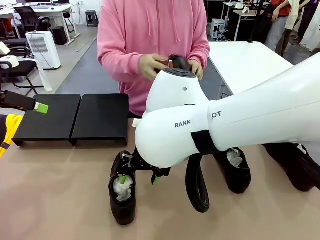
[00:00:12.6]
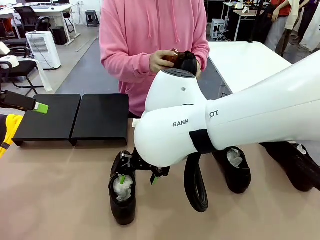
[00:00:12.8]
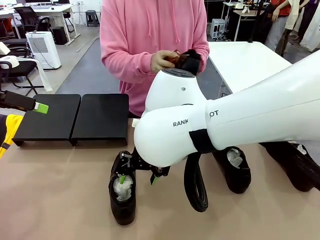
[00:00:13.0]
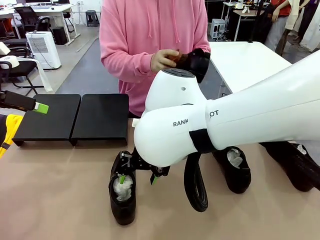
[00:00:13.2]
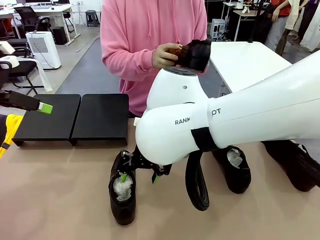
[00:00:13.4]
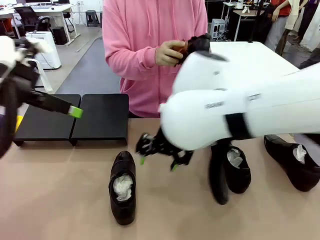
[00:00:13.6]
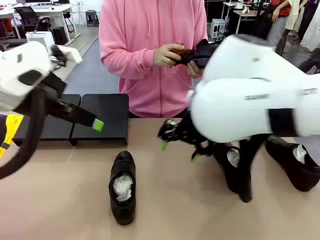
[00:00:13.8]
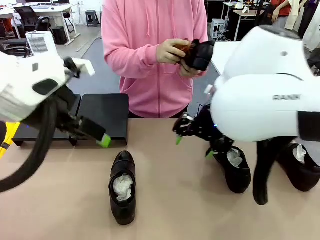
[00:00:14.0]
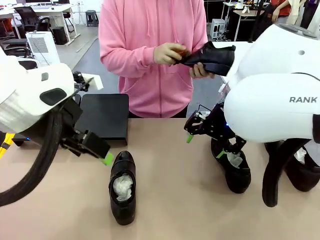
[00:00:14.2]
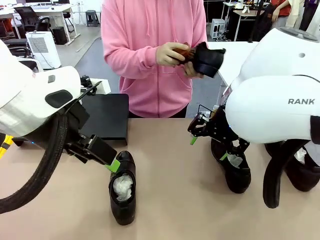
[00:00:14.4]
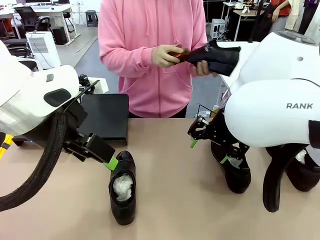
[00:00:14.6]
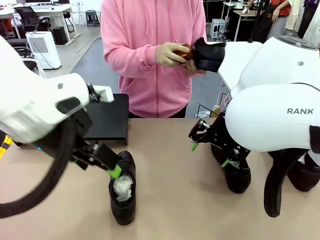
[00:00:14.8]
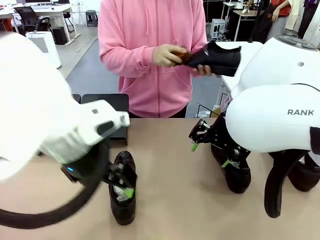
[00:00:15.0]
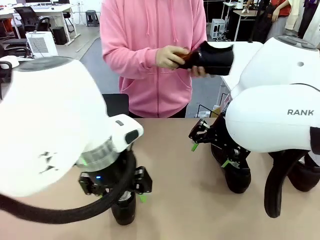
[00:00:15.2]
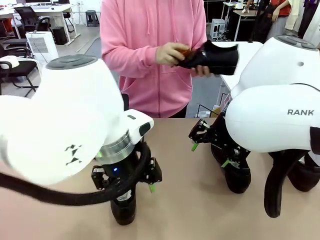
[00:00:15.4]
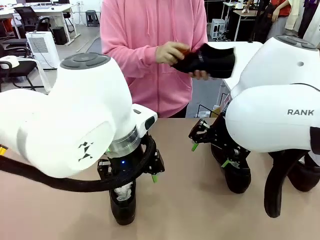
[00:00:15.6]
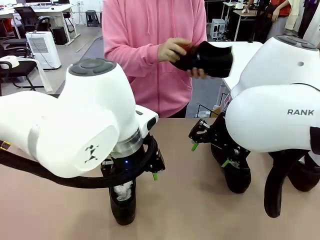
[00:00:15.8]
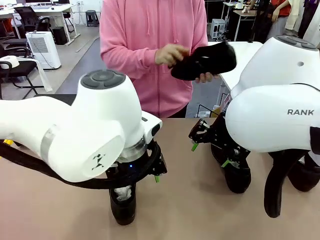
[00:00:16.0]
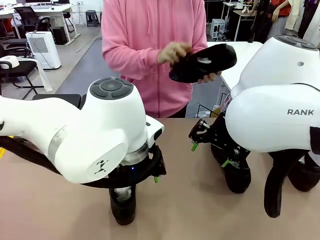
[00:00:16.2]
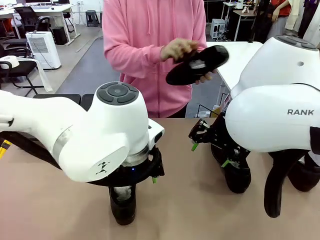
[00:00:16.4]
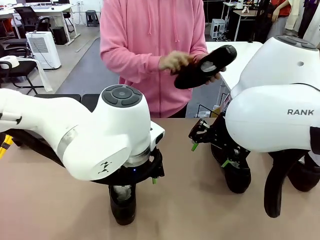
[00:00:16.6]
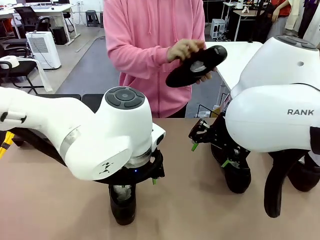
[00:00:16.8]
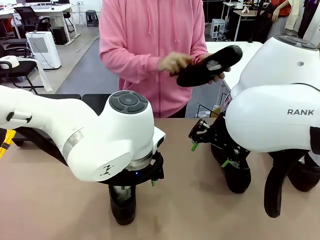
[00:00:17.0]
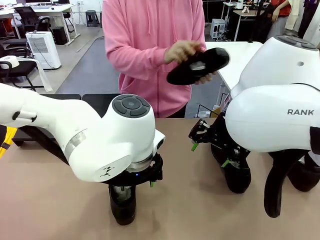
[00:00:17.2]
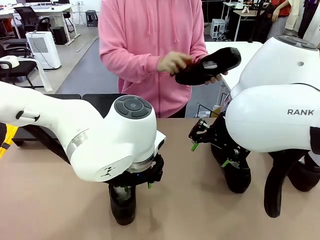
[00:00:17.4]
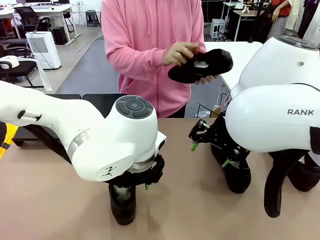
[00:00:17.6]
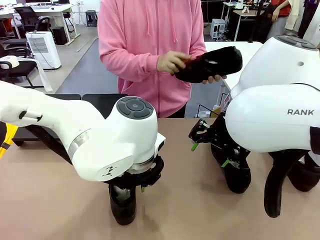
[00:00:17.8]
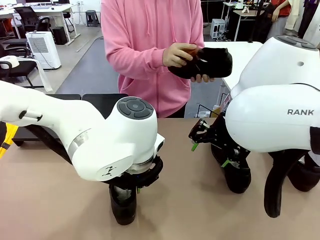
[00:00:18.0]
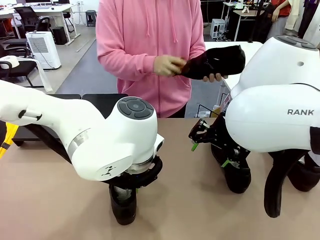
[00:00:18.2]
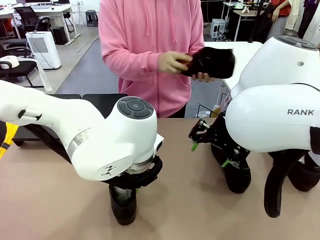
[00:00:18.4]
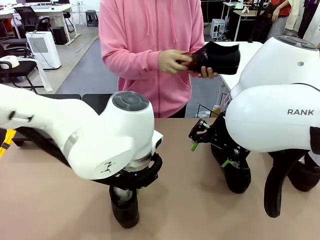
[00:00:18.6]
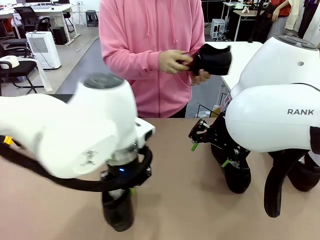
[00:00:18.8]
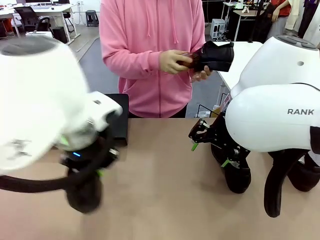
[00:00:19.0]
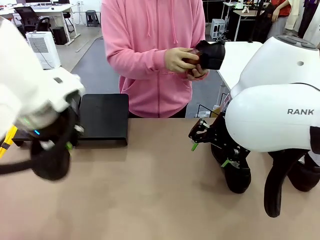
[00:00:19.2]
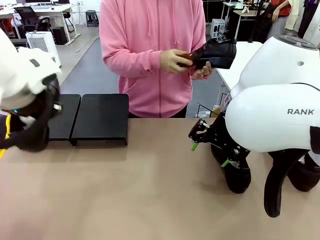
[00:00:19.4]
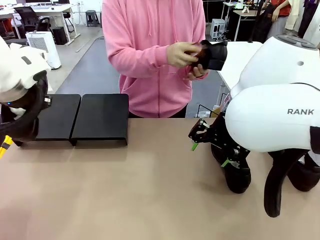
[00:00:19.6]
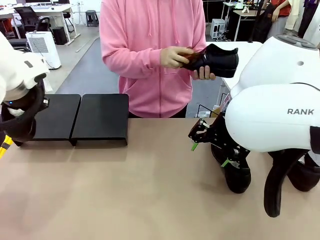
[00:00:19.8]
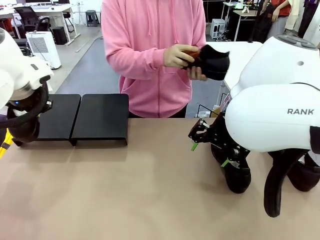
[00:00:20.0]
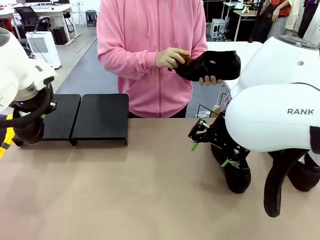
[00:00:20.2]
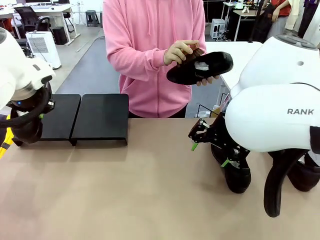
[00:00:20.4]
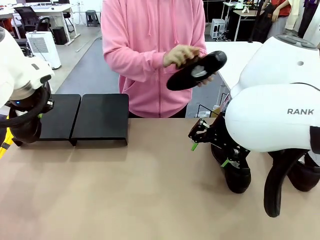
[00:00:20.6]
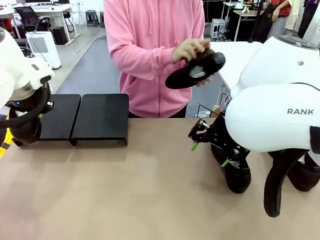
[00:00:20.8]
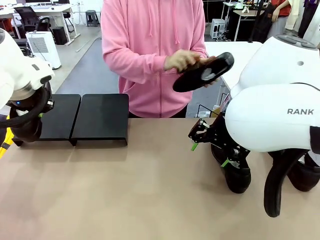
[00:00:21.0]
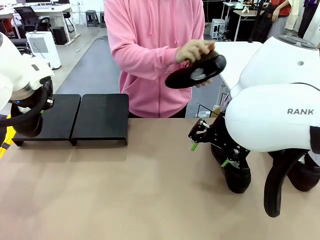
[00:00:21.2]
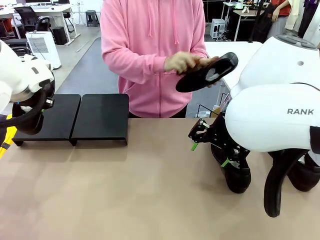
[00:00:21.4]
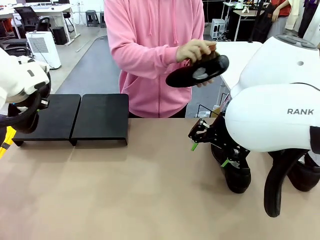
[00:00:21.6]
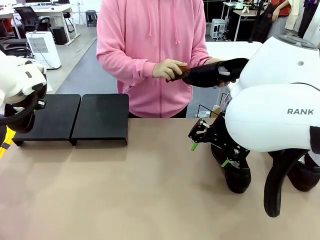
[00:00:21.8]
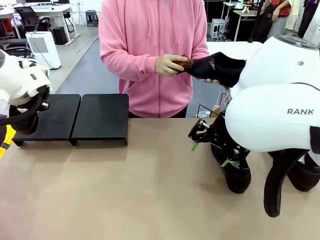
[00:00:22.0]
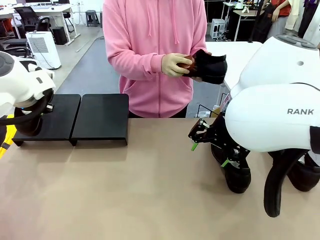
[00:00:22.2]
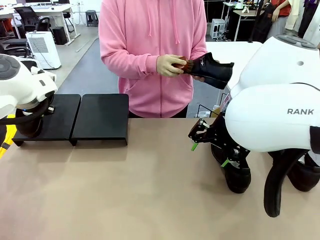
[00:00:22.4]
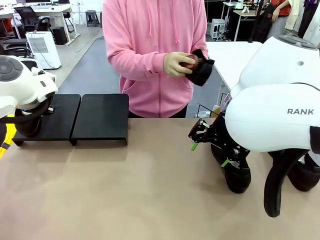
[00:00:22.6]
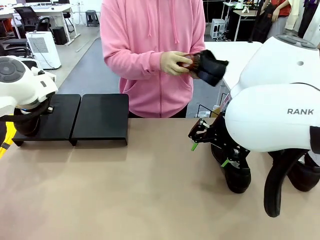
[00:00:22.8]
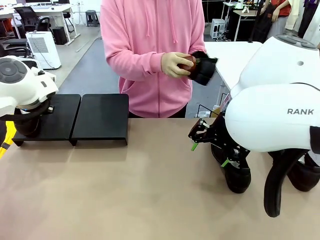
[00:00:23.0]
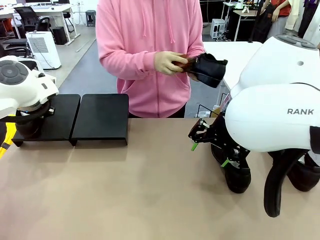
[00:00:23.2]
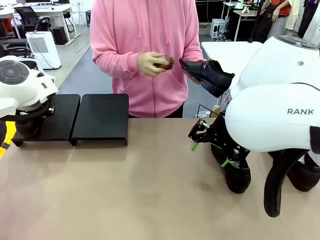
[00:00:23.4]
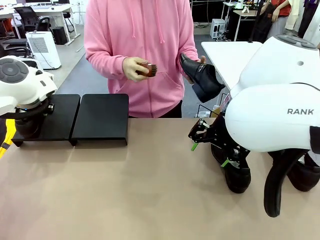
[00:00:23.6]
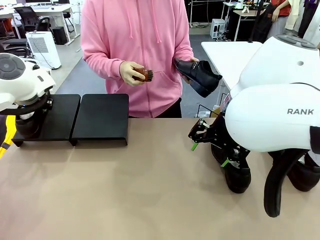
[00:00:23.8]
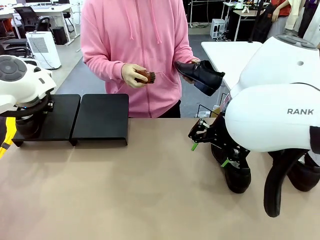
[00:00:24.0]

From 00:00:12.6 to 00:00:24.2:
Task: Organize the shoes by placing them on the stand.
Robot: Place the Shoe from the middle of the table onto the Shoes Stand.
Person: Clean the Shoe with the Shoe Brush.

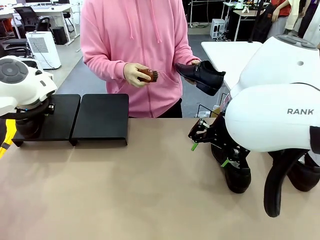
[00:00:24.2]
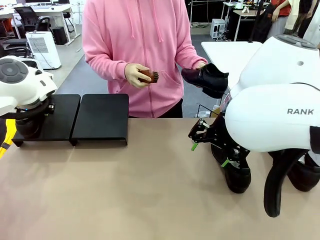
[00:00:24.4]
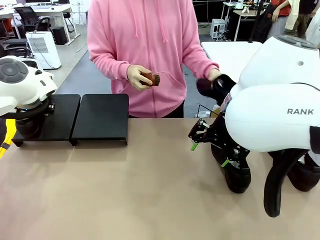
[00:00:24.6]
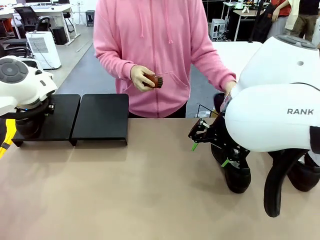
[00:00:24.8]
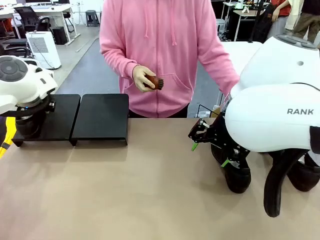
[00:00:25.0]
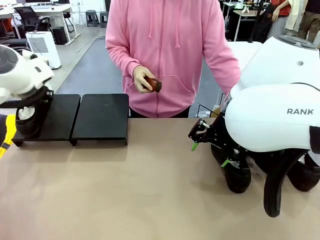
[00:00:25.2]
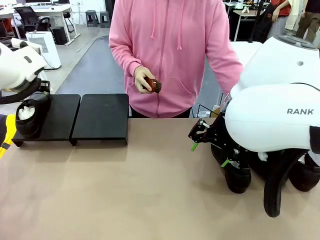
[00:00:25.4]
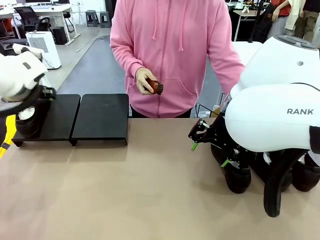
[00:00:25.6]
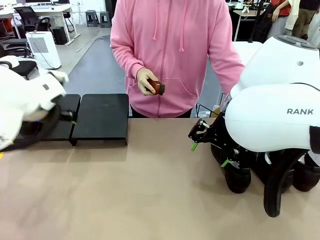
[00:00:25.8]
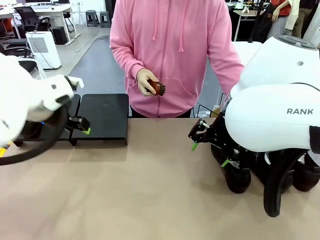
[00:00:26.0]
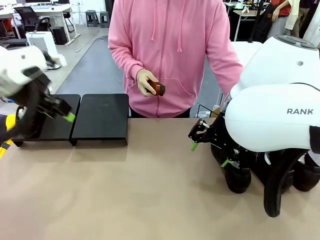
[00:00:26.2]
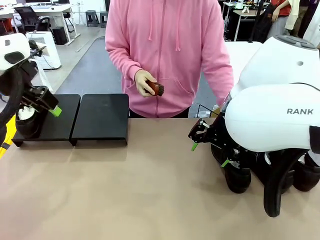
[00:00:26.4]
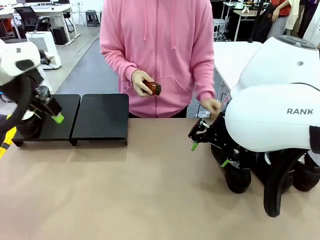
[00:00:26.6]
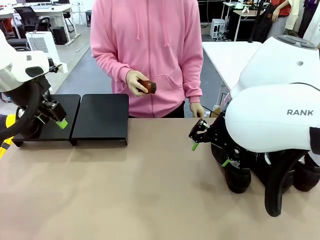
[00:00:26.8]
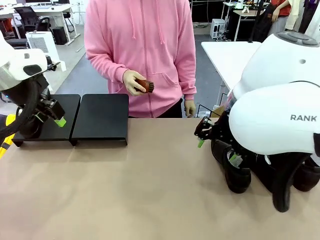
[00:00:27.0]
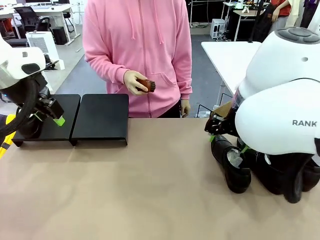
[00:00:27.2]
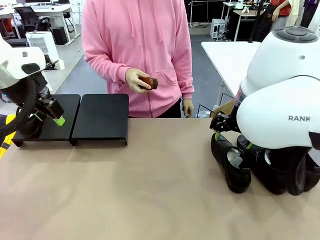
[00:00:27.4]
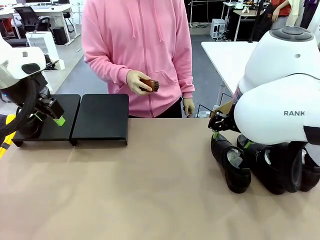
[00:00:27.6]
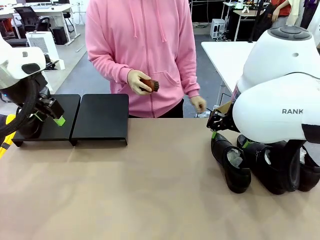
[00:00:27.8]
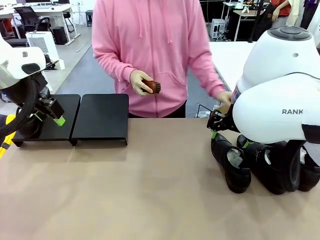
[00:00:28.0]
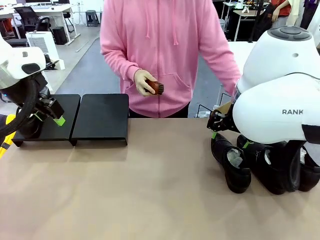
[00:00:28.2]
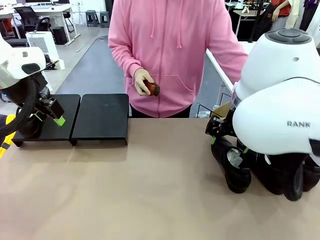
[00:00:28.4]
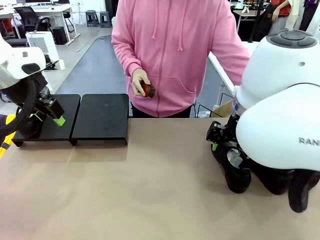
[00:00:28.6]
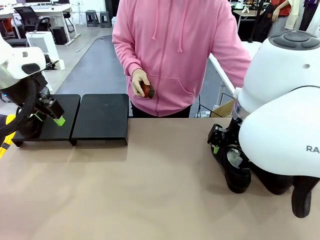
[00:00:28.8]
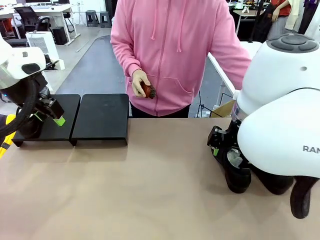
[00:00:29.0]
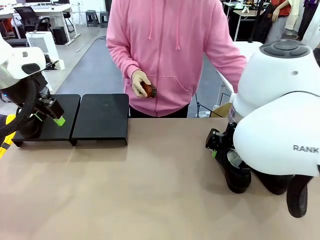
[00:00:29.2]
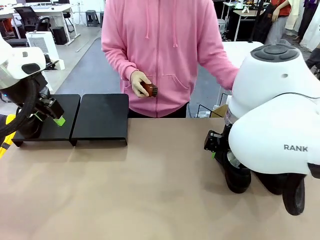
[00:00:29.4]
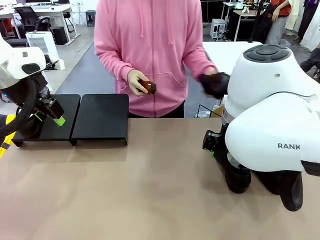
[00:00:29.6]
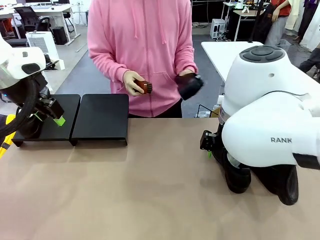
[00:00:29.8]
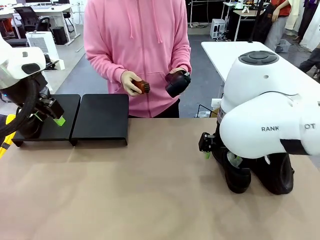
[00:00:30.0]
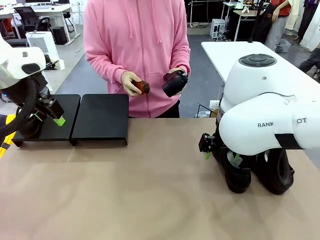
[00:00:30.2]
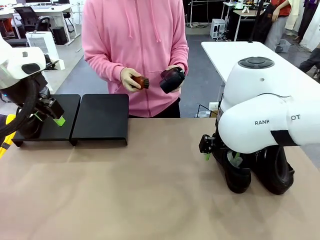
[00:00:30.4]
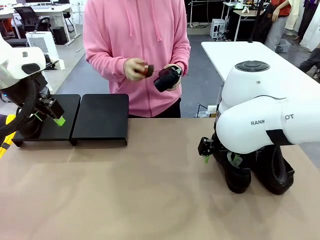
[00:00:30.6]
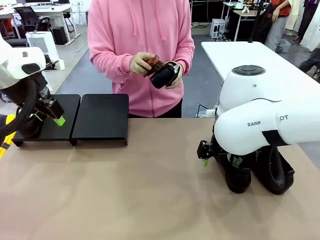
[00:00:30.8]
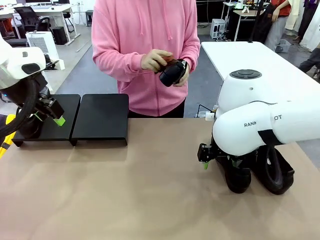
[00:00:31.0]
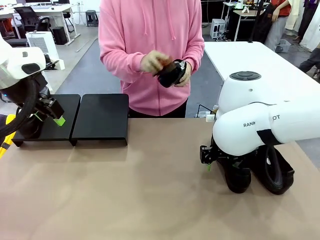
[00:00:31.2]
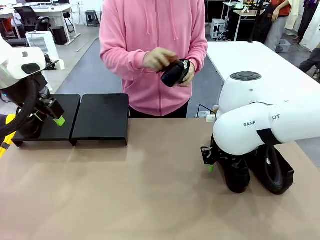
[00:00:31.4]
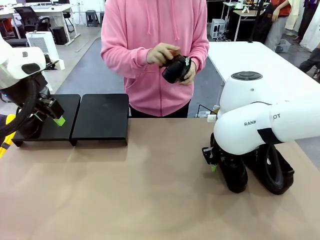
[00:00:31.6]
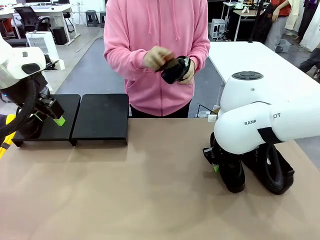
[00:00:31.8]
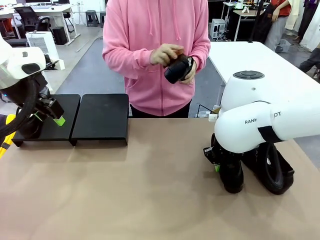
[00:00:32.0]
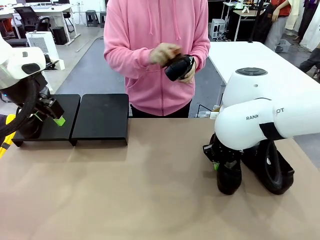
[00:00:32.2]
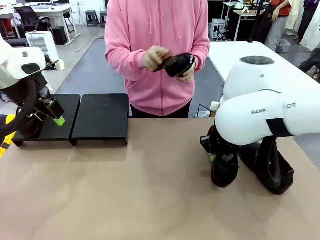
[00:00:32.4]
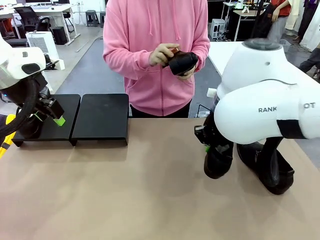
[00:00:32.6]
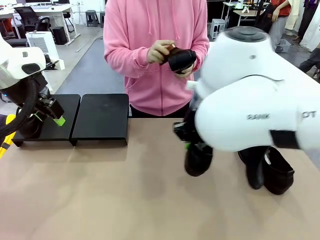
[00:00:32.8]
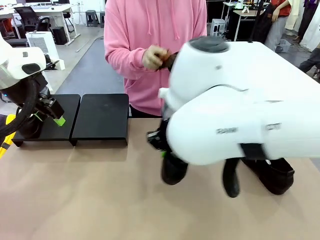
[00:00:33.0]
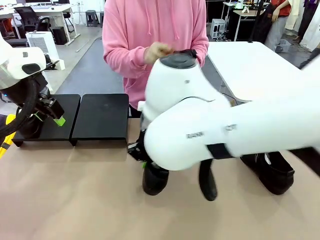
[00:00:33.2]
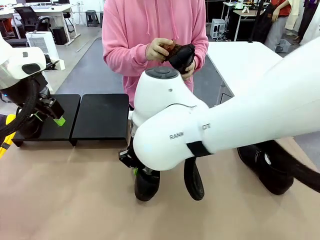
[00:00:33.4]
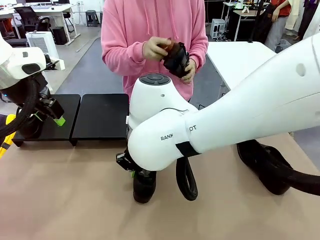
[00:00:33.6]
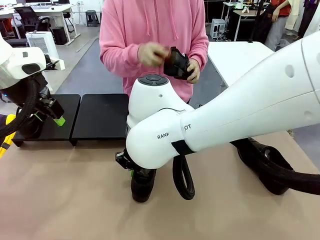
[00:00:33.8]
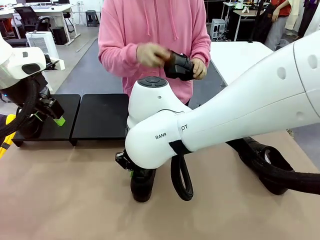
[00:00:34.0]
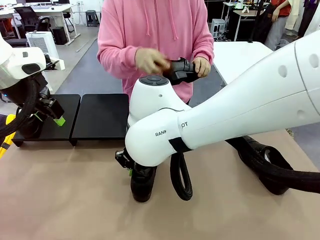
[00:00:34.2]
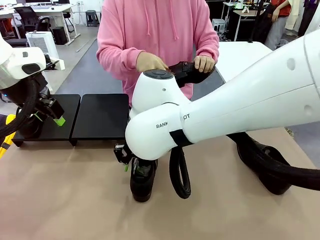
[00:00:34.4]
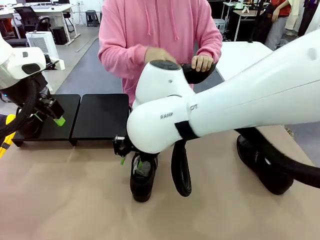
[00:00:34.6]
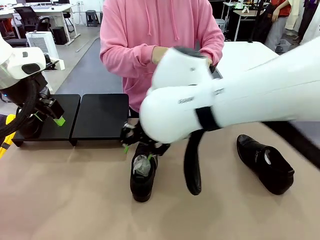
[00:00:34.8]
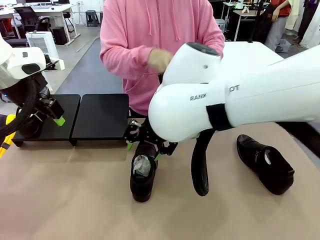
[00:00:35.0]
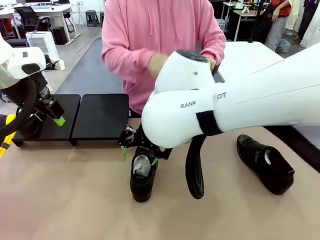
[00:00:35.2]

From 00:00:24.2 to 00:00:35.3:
Robot: Pick up one Shoe and place it in the middle of the table.
Person: Place the Shoe on left side of the Robot's table. Pick one Shoe on Robot's table.
